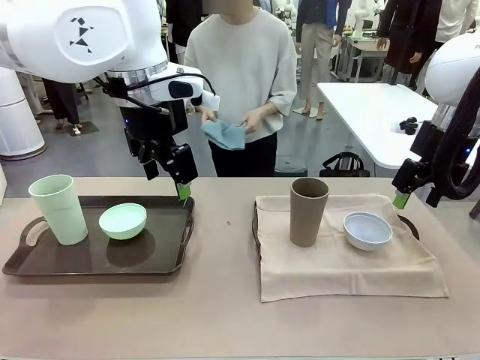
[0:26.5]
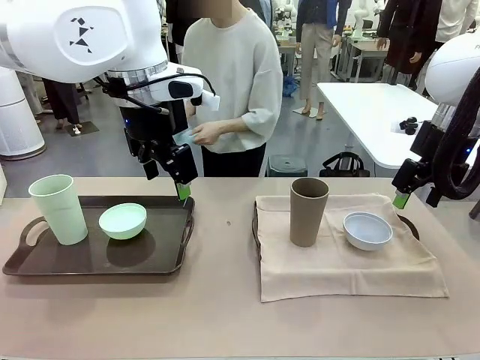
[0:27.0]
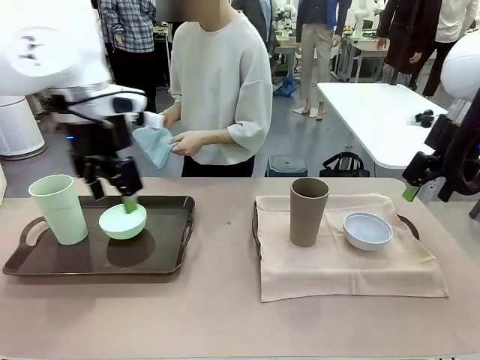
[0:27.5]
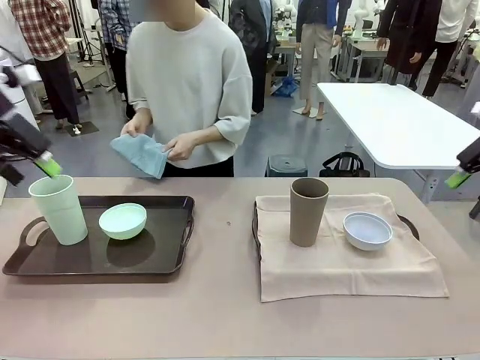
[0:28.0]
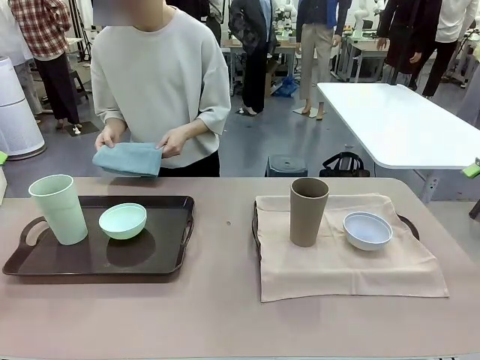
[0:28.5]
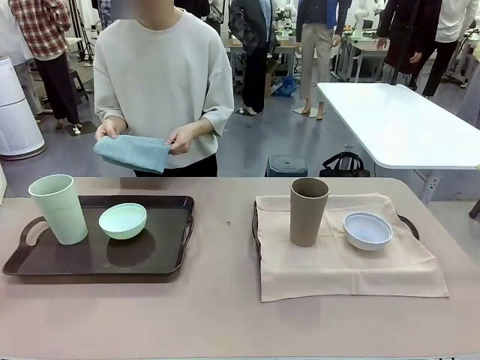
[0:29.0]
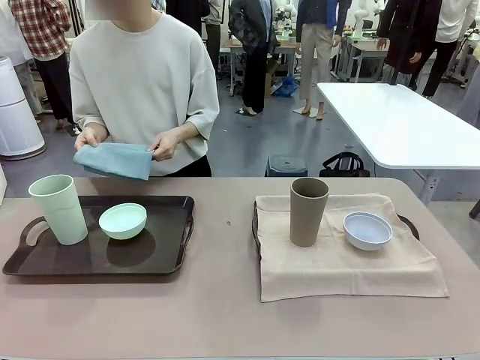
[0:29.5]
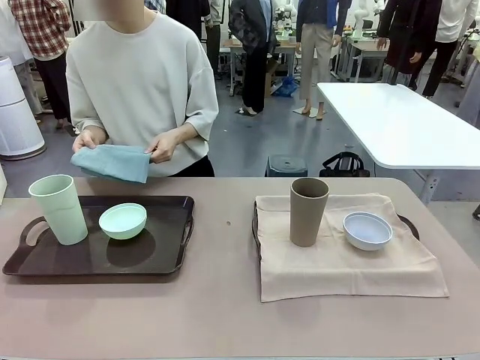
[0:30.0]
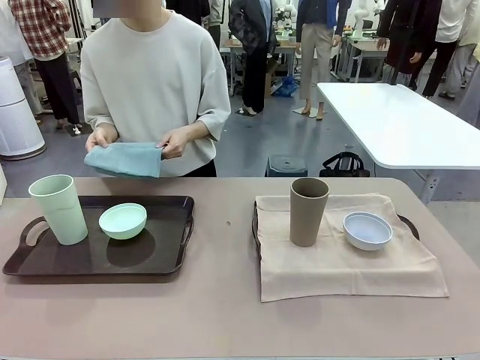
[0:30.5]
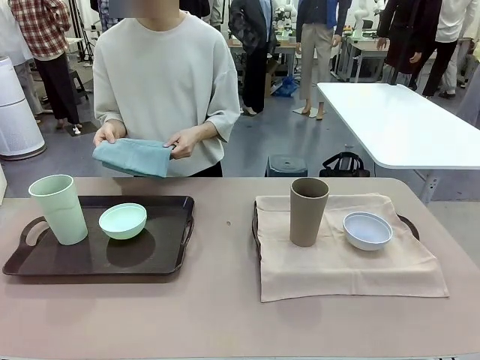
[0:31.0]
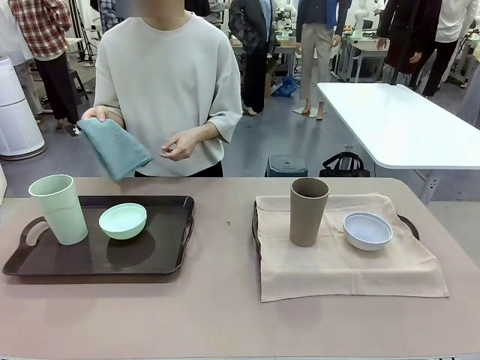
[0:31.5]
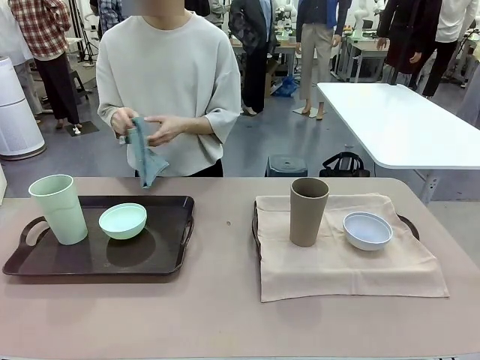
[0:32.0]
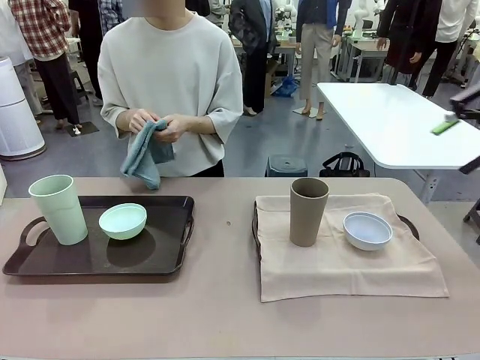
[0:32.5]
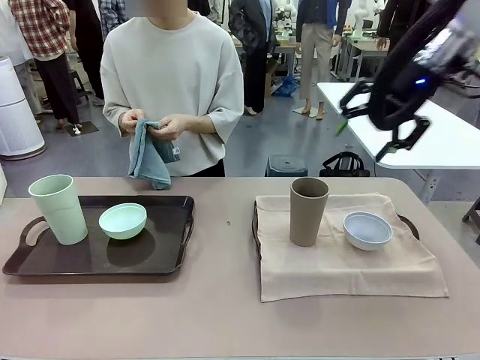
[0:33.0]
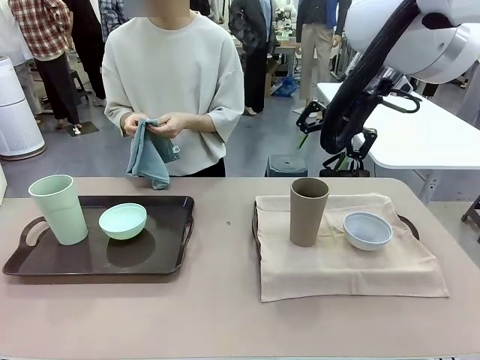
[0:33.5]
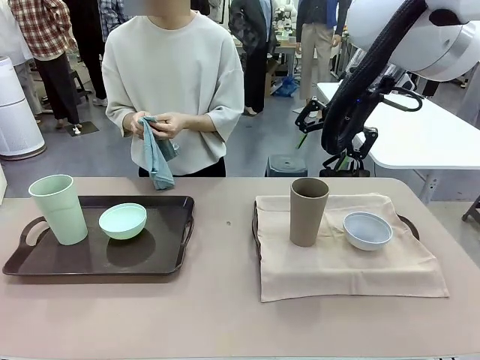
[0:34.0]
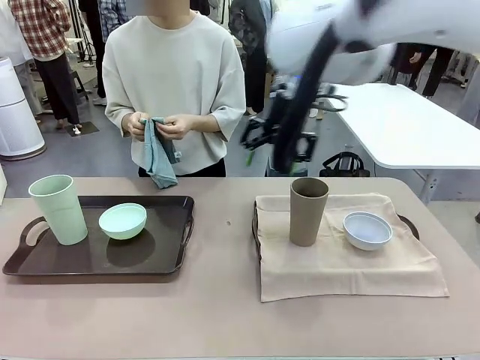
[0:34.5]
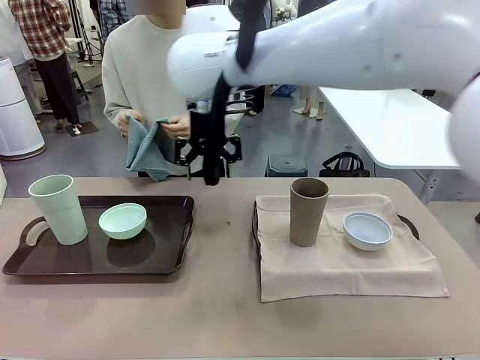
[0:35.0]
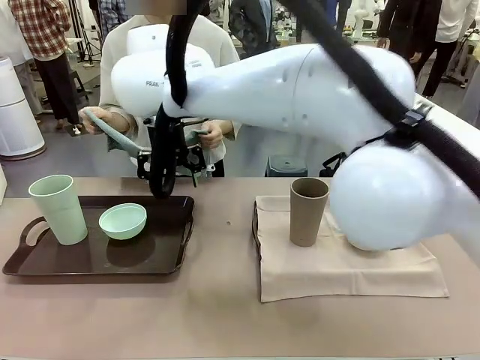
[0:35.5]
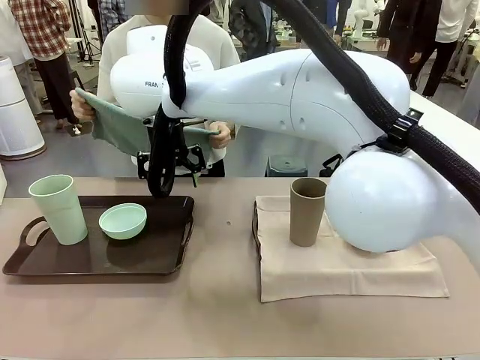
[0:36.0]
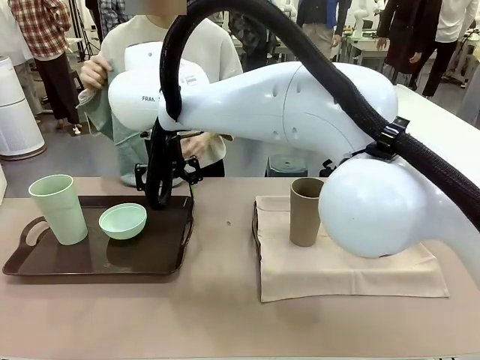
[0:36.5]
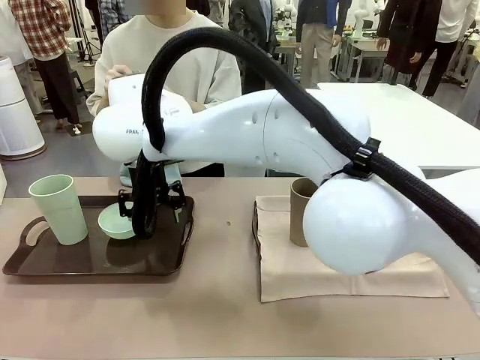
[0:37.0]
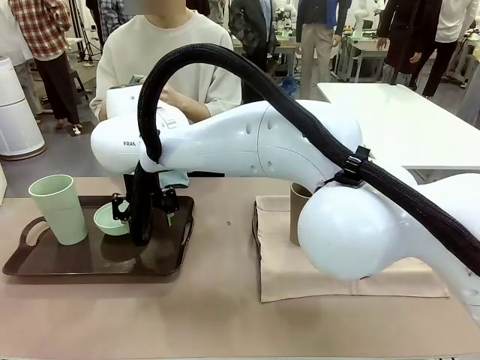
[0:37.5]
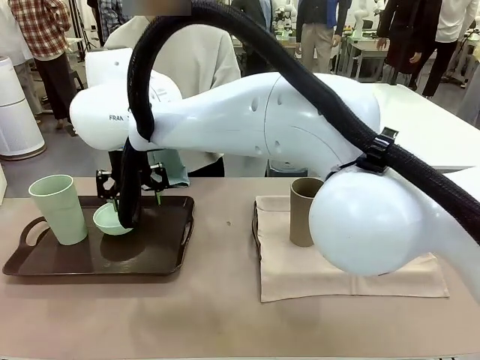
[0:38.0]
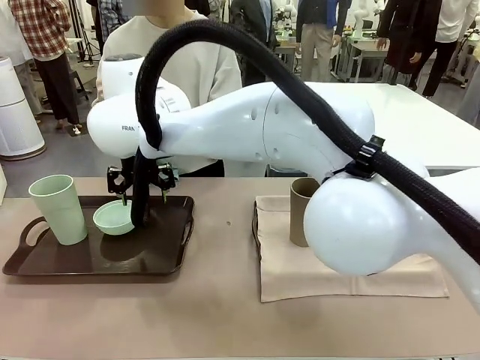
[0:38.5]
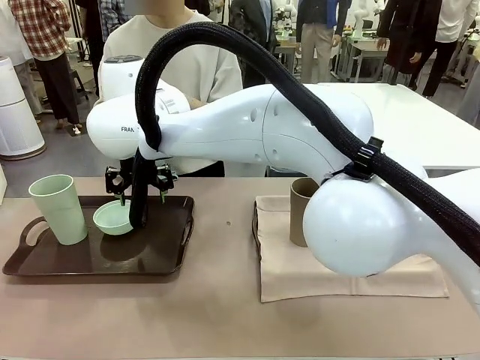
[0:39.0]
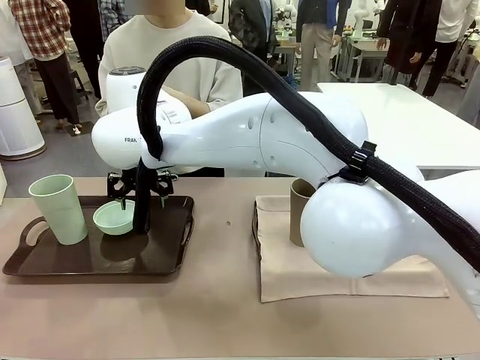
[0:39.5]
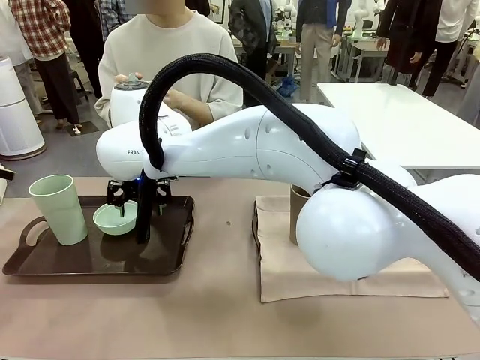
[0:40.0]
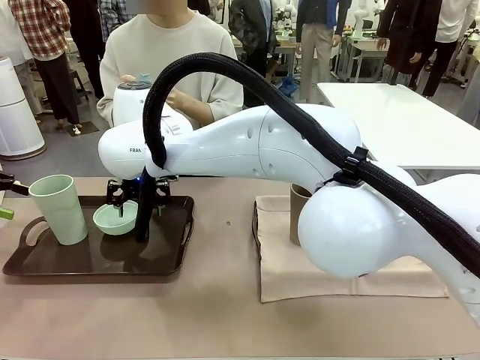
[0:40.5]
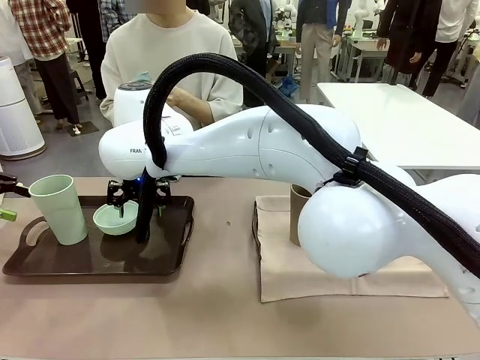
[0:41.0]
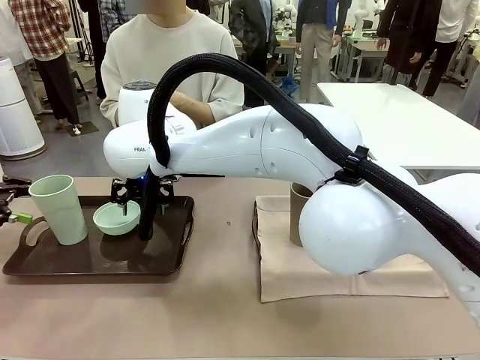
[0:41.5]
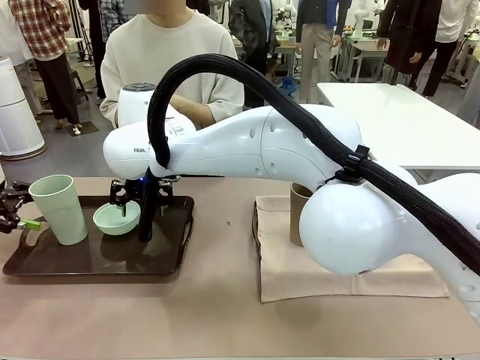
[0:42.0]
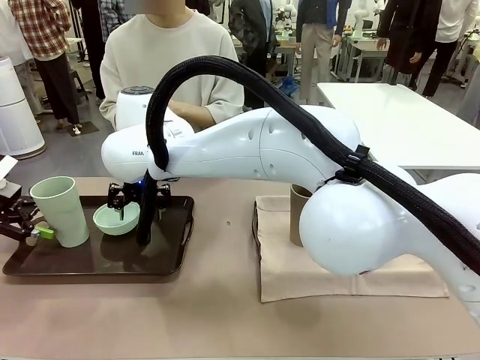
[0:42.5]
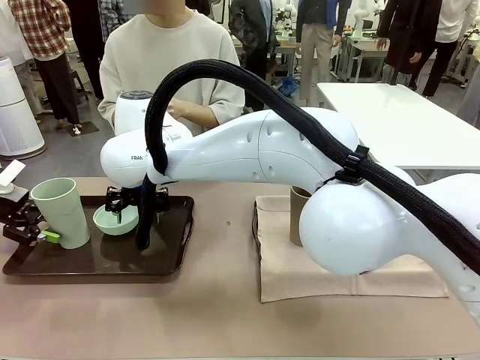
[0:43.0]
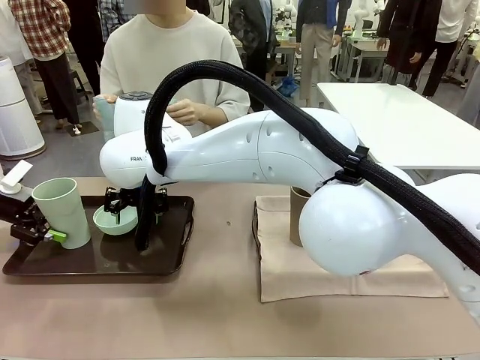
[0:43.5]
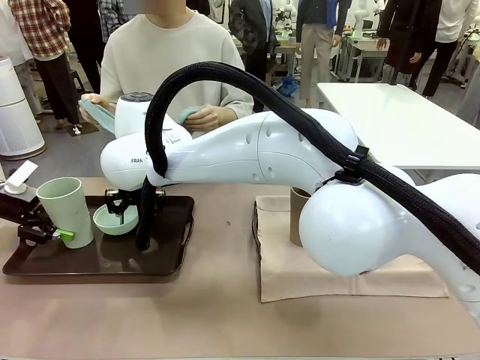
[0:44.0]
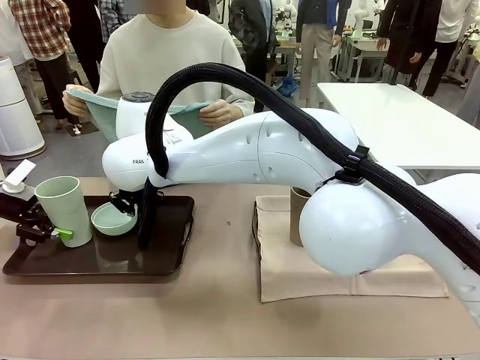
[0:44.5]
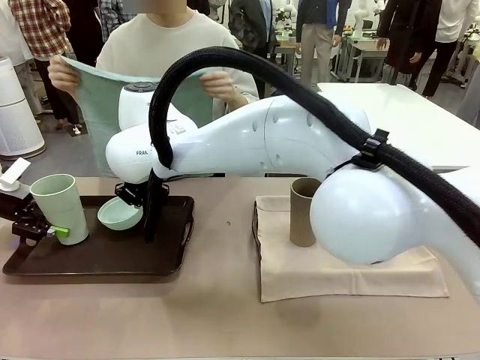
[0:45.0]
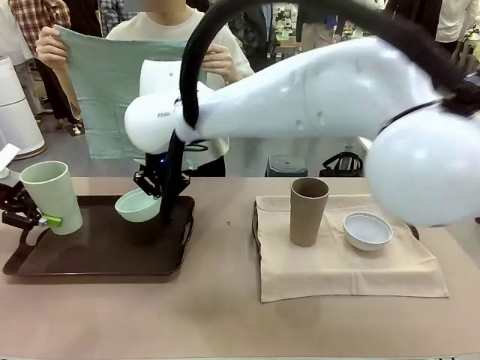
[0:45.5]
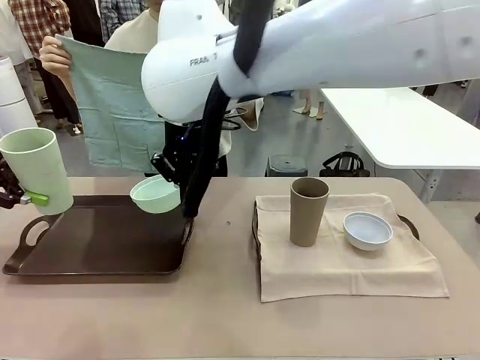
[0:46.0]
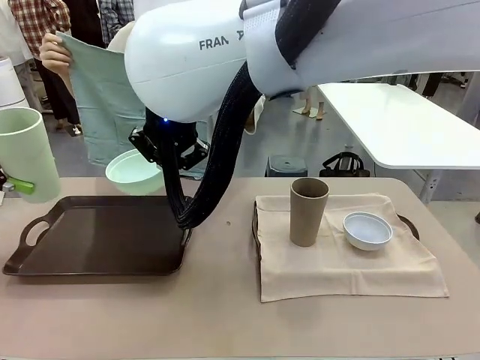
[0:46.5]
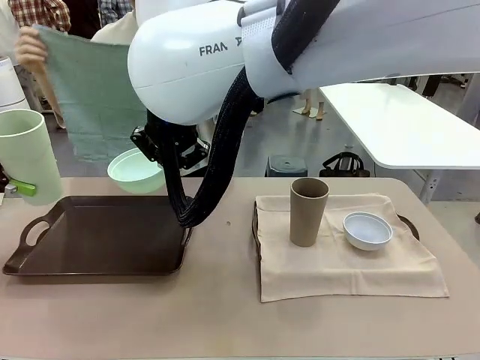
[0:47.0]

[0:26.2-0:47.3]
Robot: Pick up the Picnic Bowl and Reusable plastic cup from the Handle tray in front of the human's position and hold them in the air.
Person: When the robot lifts the bowl and the cup, the human unfolds the napkin and lays the napkin flat on the tray.

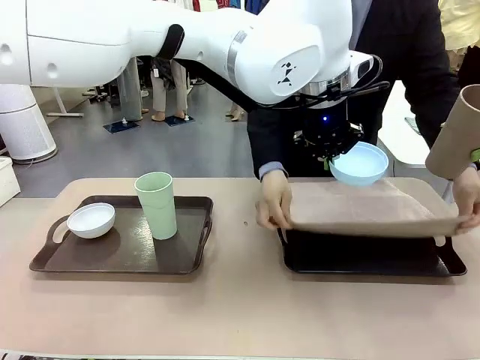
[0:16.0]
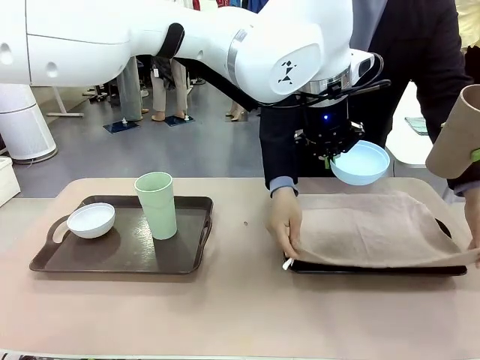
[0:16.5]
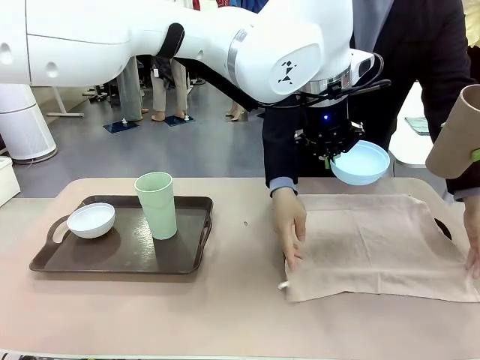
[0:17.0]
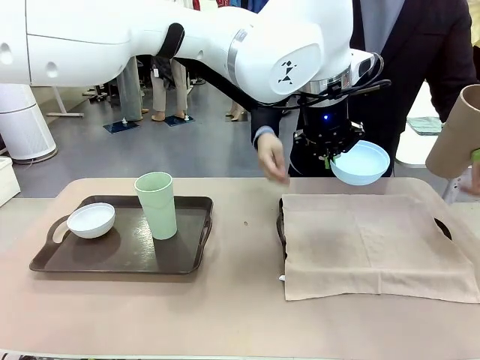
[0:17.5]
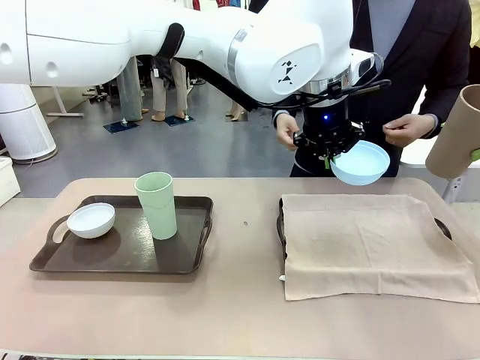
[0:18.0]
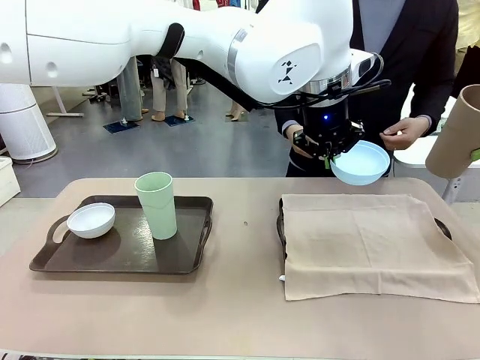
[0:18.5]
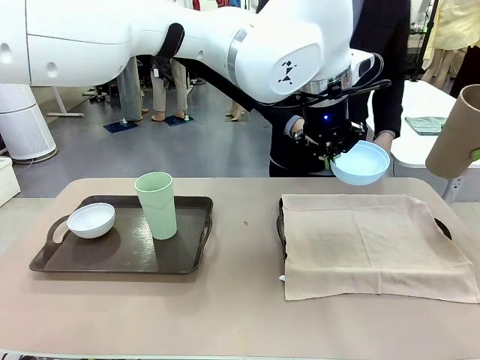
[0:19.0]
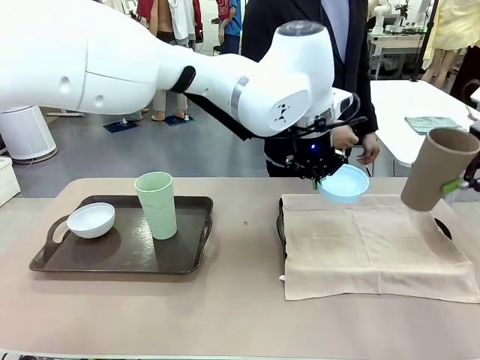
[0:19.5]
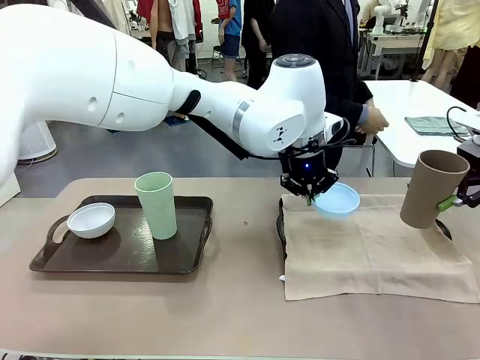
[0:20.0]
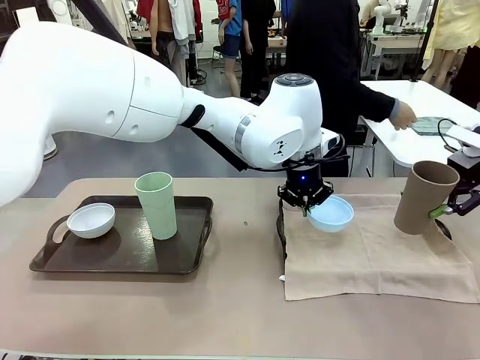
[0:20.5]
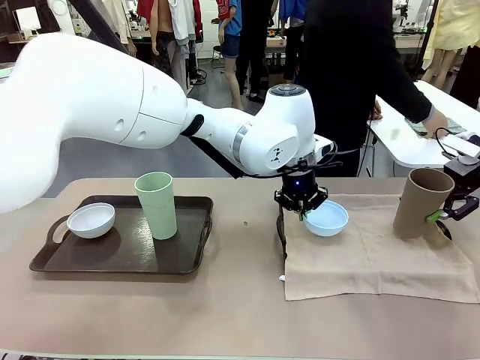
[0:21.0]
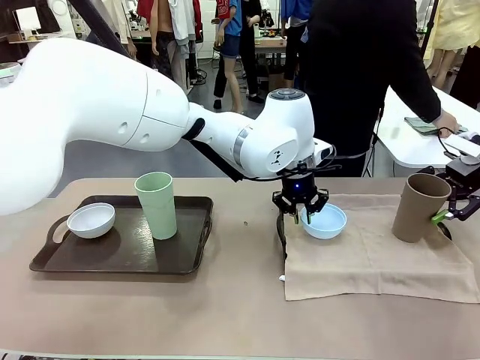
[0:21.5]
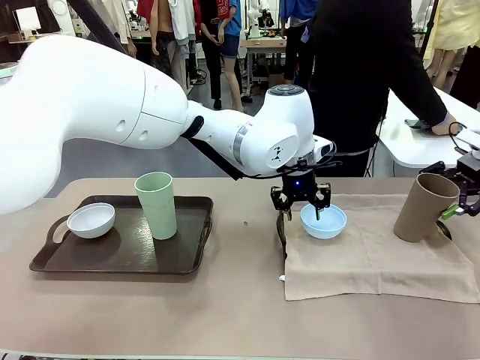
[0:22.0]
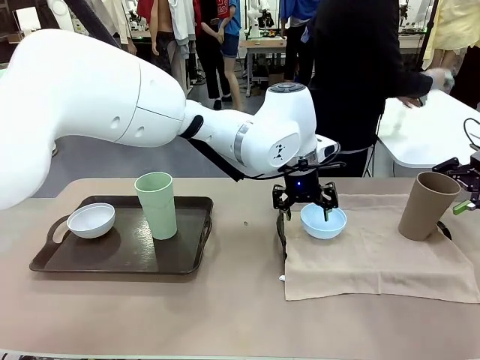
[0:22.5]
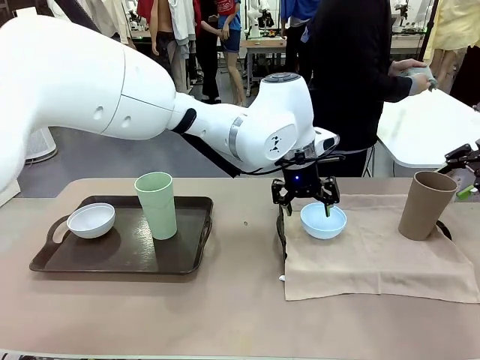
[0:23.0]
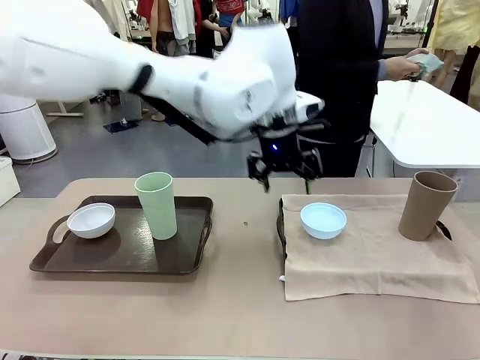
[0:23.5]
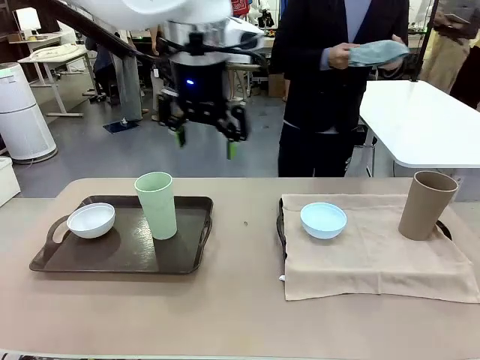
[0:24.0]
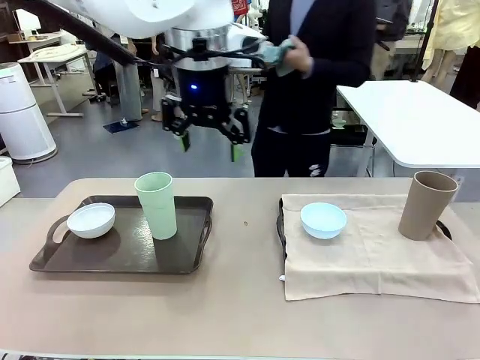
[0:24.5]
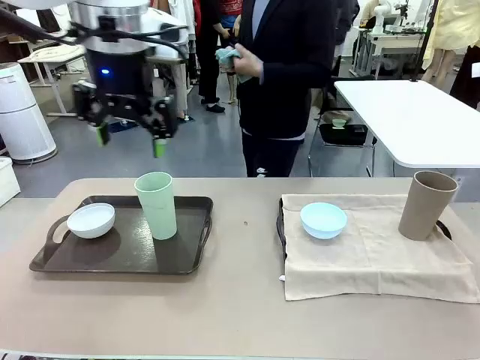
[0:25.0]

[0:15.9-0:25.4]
Robot: Place the Picnic Bowl and Reusable plastic cup back onto the Handle tray in front of the human's position.
Person: The human returns to the human table to pick up another napkin and walks to the robot table to stand in front of the tray without a napkin.
